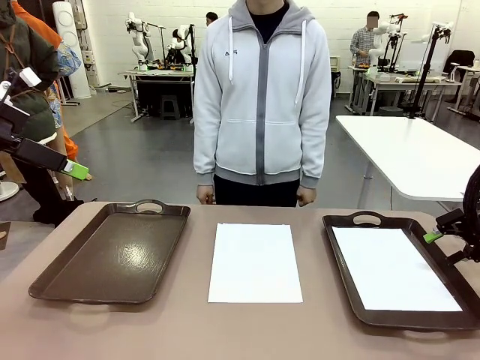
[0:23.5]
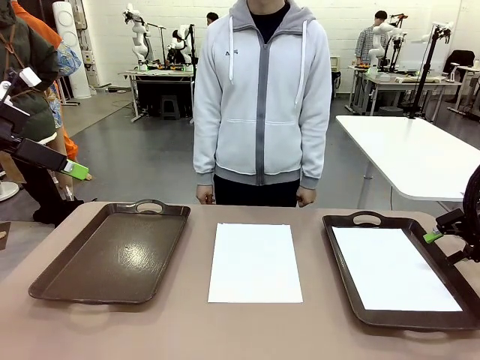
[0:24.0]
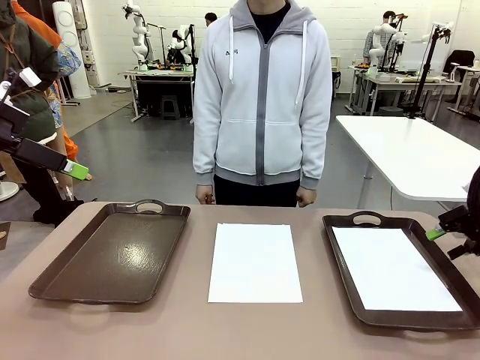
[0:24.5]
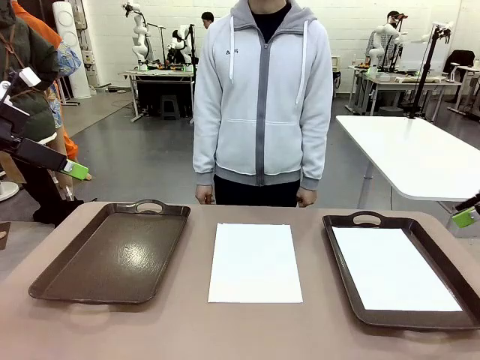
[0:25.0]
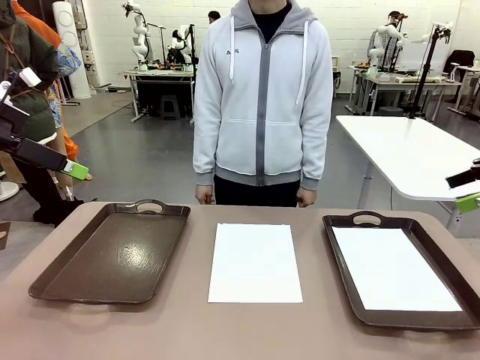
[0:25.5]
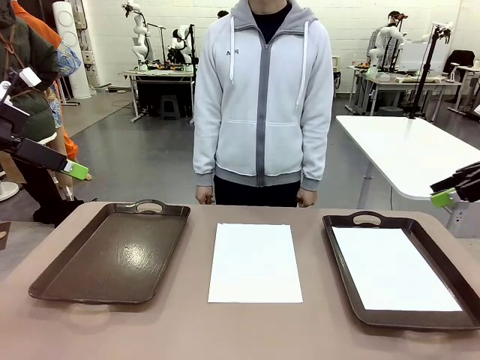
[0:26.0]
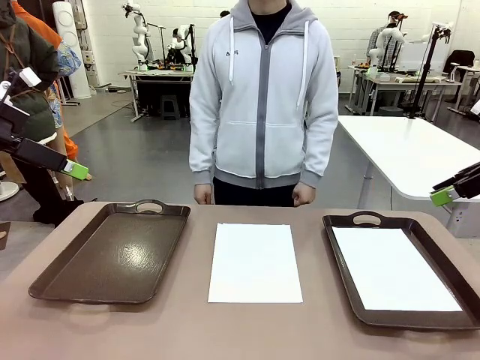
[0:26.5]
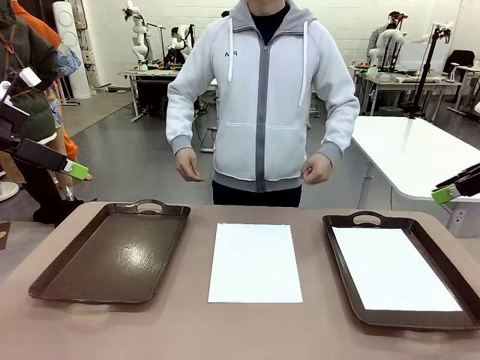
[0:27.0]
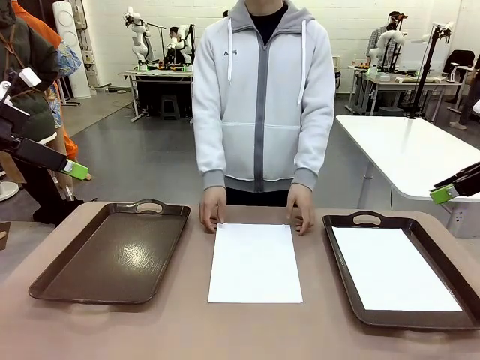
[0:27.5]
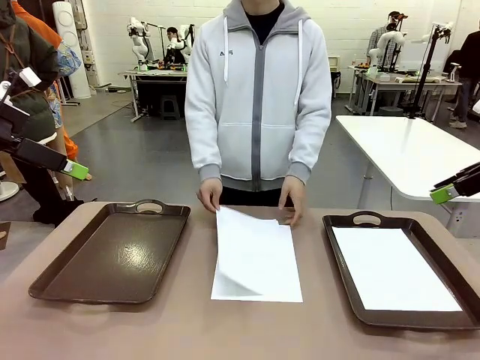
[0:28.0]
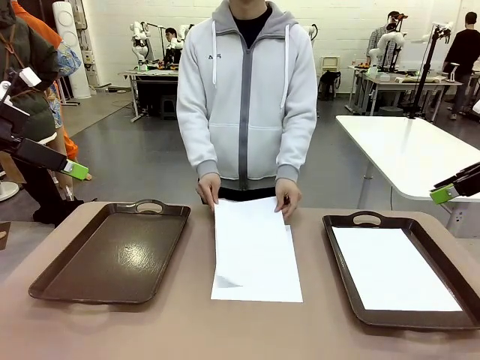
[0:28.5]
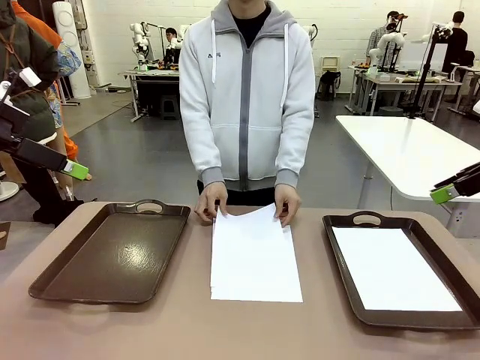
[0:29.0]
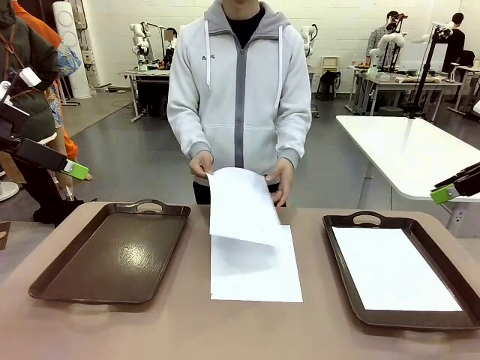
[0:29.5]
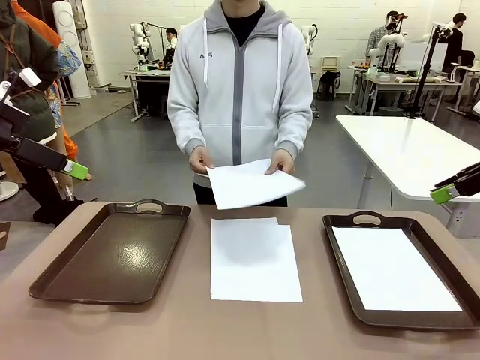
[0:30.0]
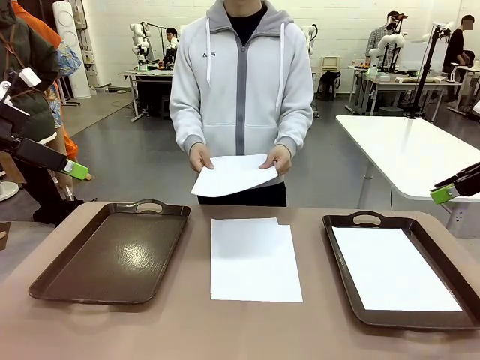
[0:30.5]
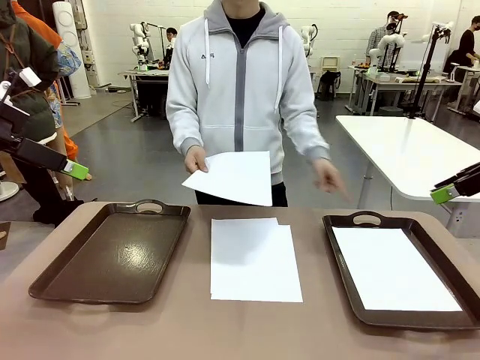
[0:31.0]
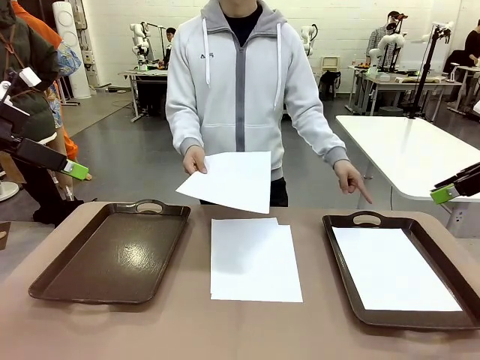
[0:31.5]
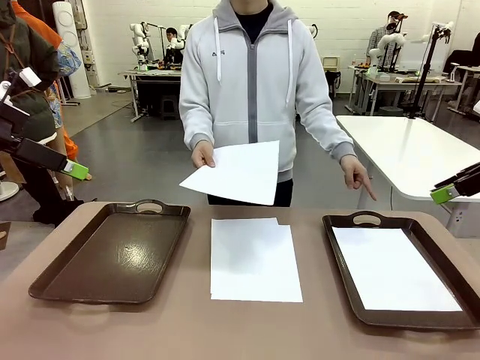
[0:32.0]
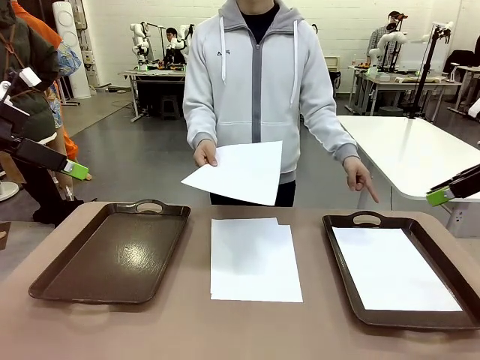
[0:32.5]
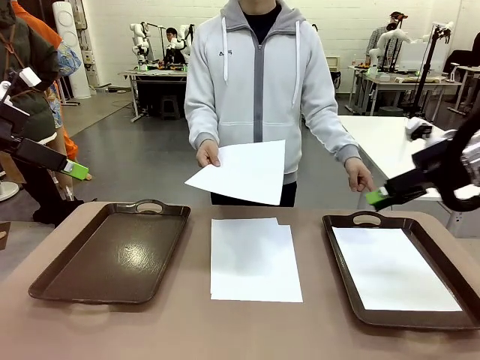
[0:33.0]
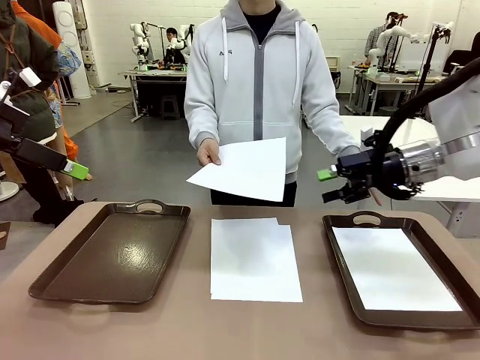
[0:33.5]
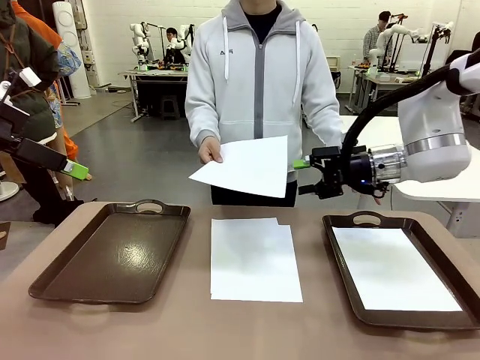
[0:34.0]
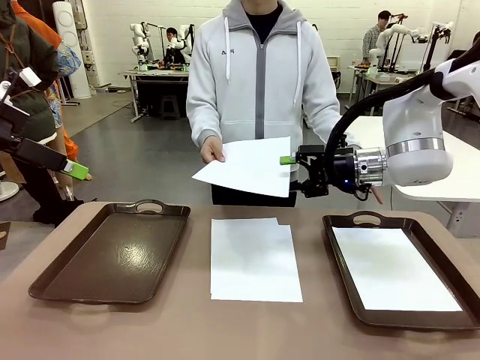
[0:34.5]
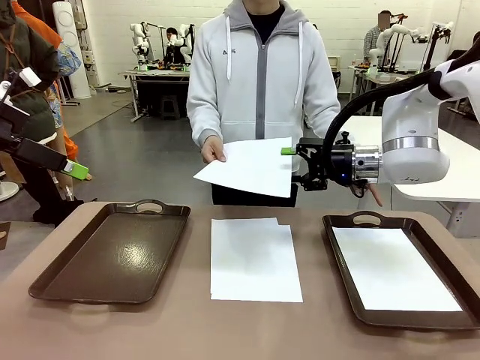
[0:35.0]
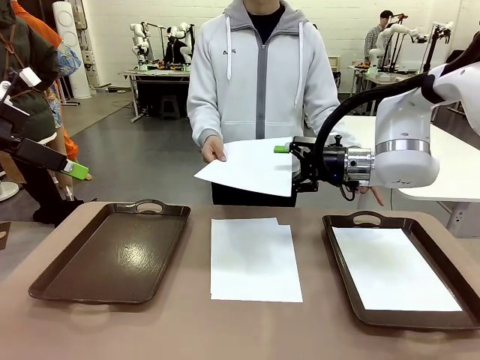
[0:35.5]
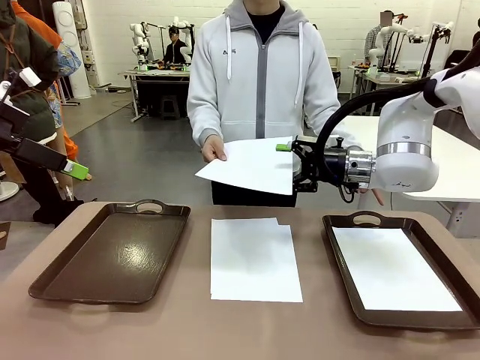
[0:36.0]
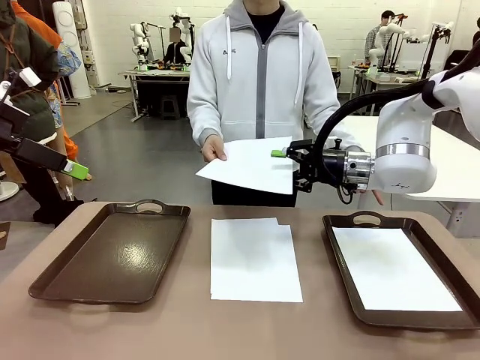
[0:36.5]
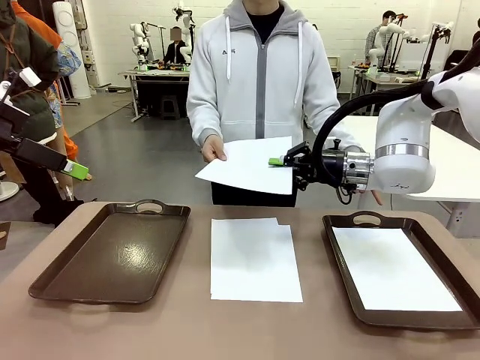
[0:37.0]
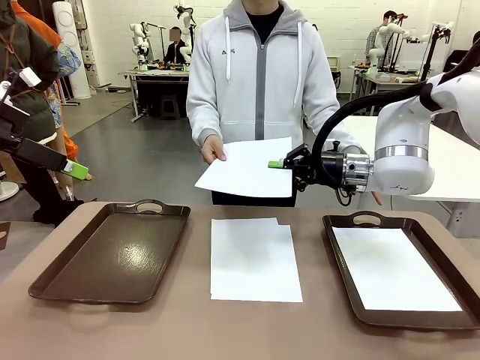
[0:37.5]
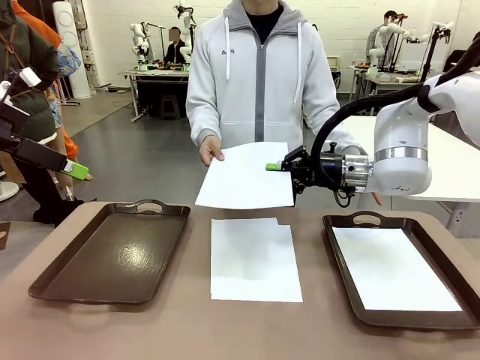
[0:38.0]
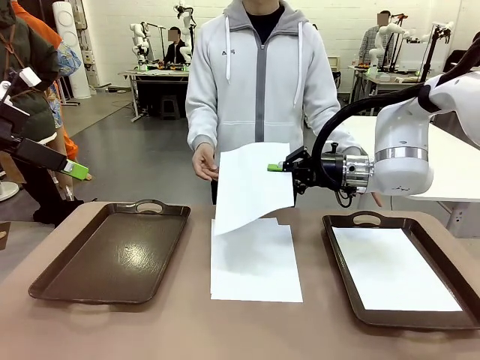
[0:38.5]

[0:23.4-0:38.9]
Task: Sort the A4 documents.
Robot: Receive the A4 Paper.
Person: Point the randomly selected tray with the other hand.

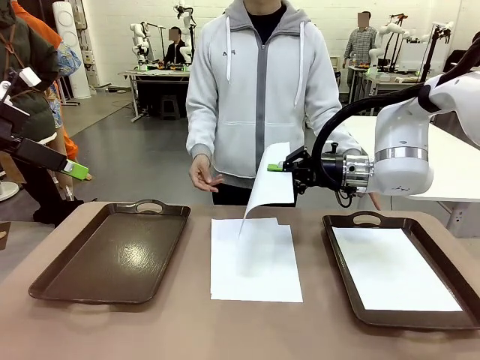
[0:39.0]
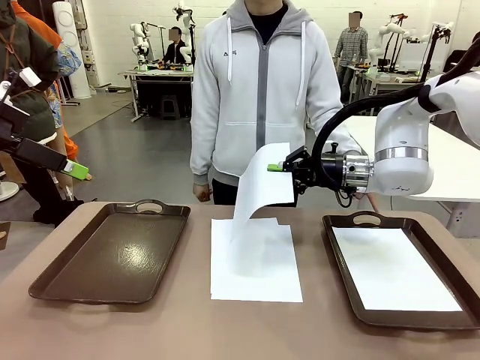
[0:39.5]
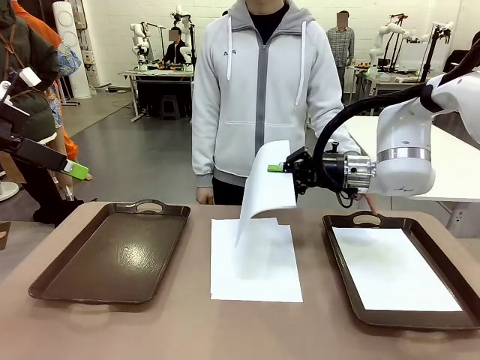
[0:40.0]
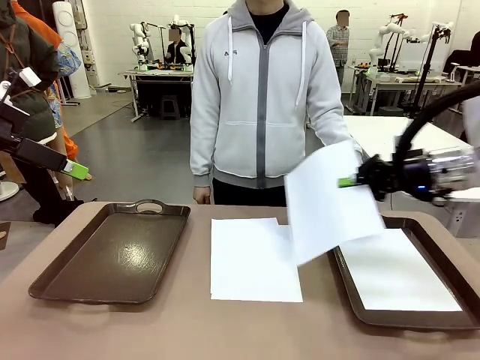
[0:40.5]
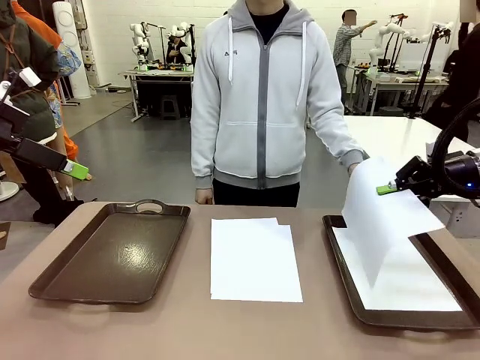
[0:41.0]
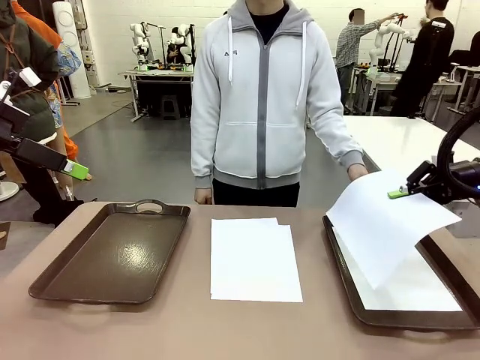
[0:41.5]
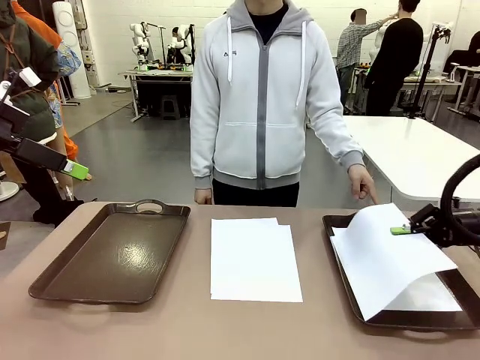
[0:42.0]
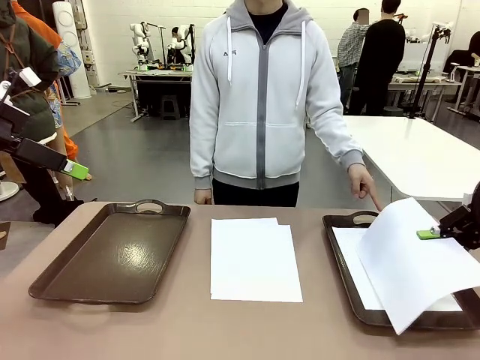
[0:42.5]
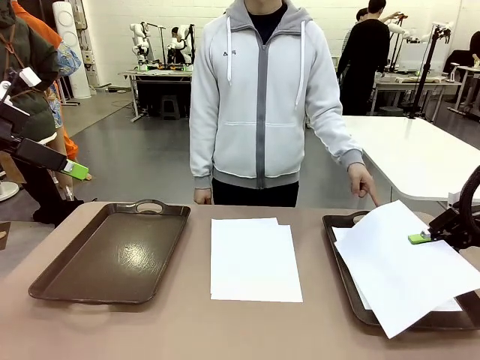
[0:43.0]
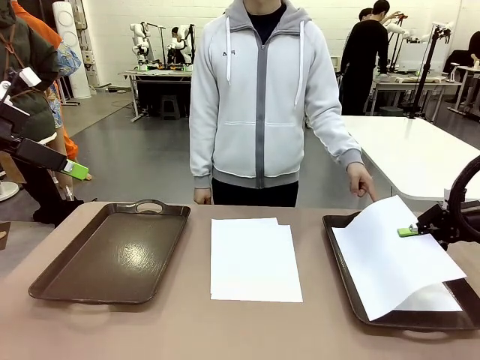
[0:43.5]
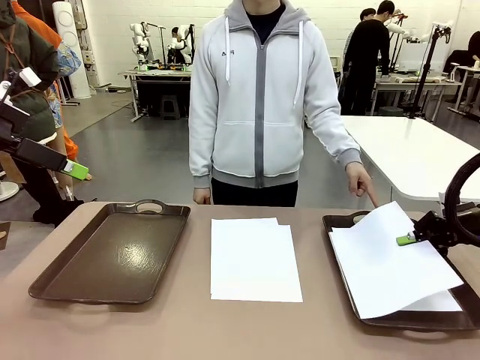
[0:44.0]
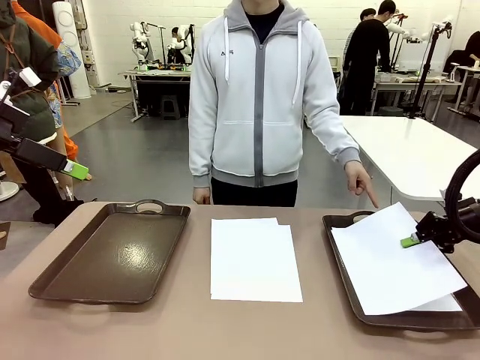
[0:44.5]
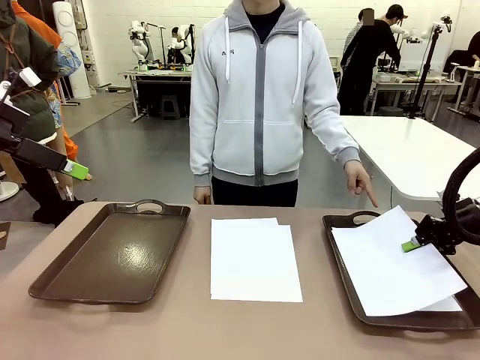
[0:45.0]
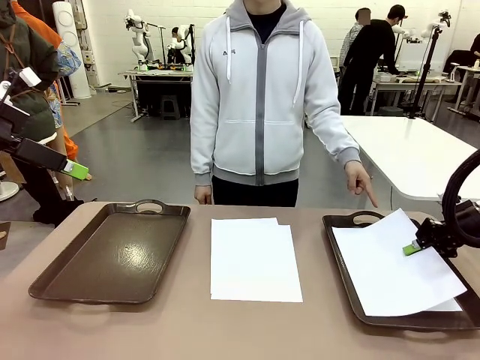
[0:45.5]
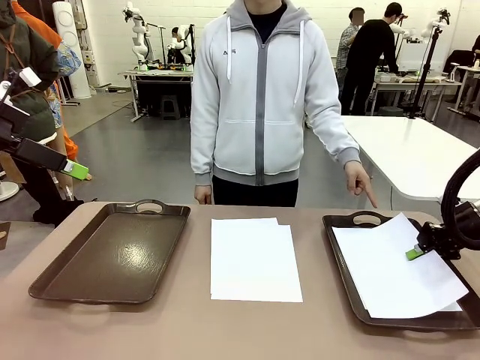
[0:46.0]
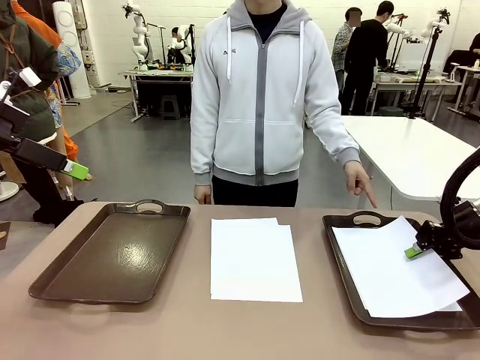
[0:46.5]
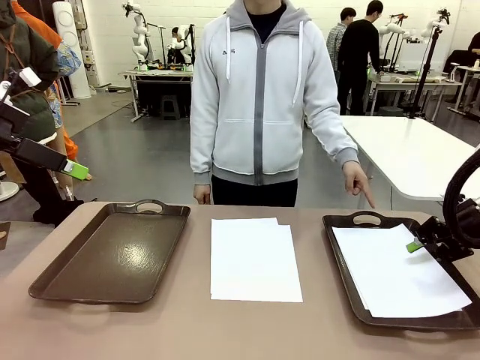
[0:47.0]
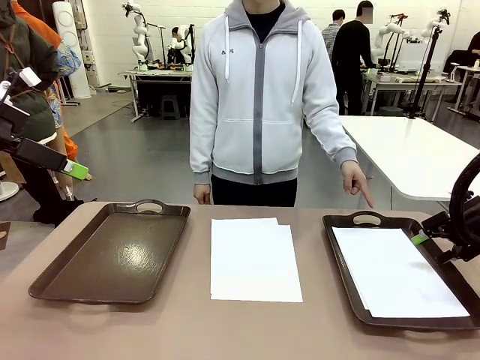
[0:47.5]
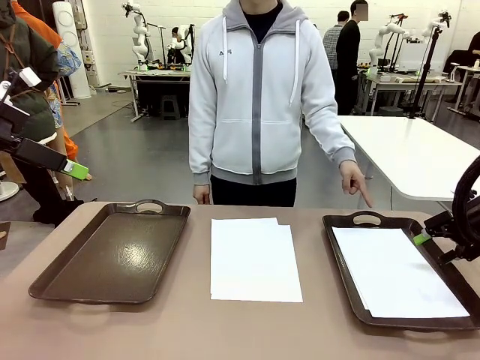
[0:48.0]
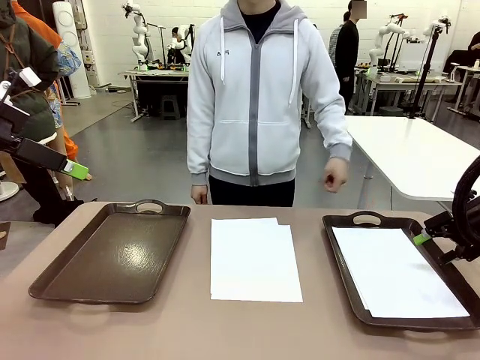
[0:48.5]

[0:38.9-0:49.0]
Robot: Place the A4 Paper in the designated Handle tray.
